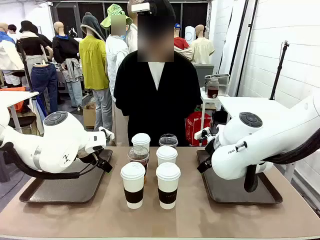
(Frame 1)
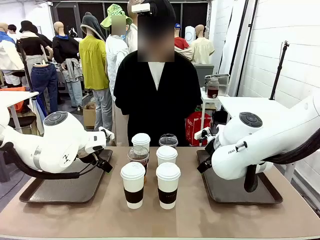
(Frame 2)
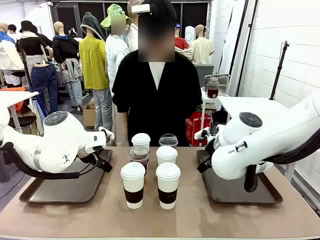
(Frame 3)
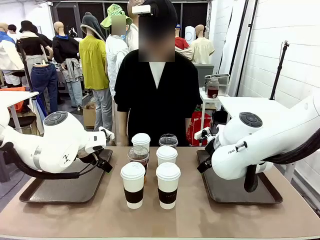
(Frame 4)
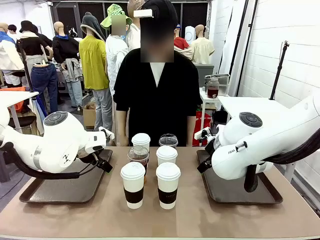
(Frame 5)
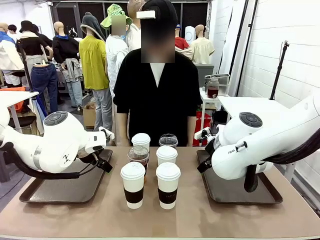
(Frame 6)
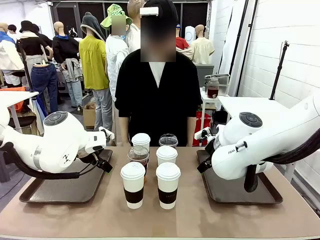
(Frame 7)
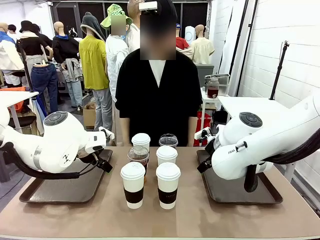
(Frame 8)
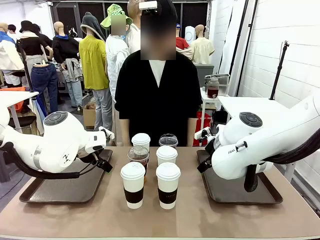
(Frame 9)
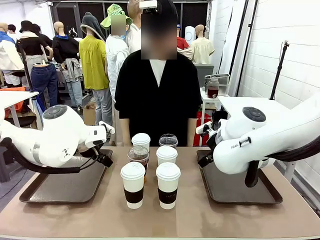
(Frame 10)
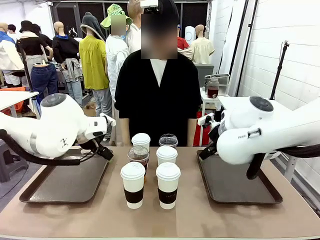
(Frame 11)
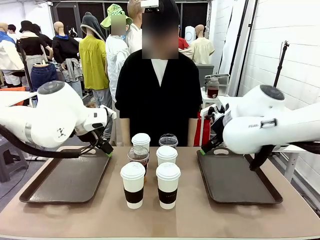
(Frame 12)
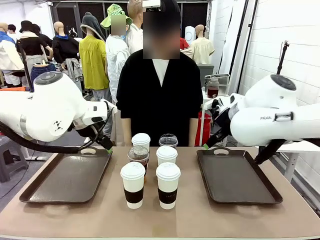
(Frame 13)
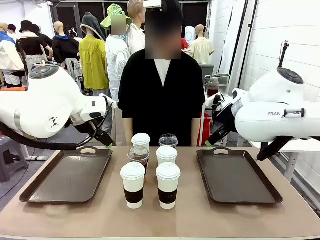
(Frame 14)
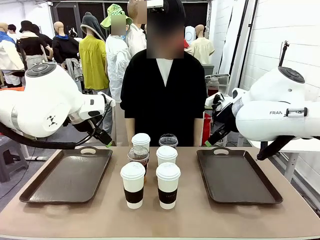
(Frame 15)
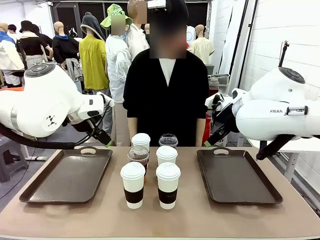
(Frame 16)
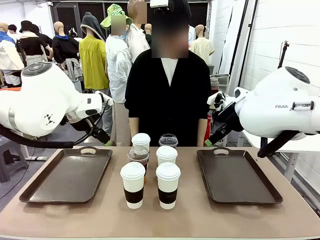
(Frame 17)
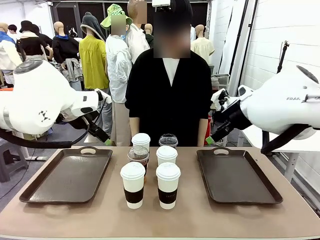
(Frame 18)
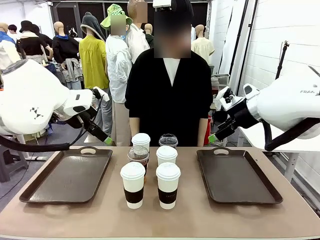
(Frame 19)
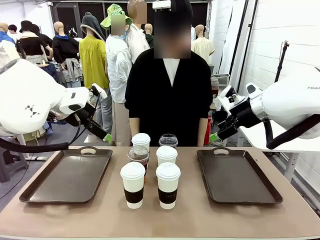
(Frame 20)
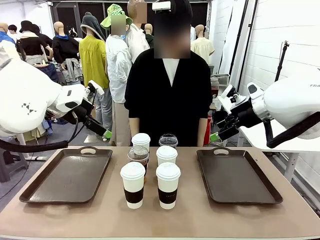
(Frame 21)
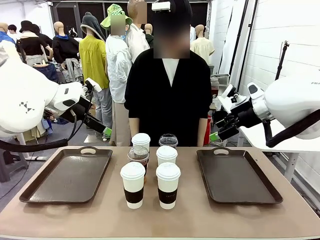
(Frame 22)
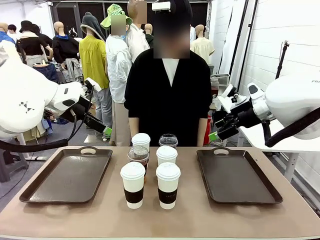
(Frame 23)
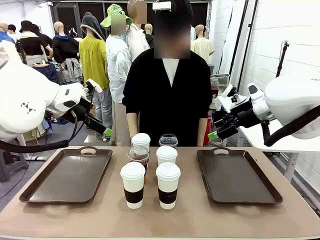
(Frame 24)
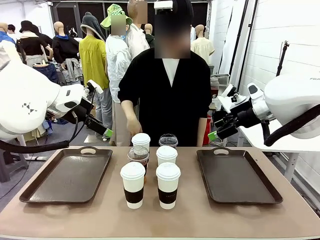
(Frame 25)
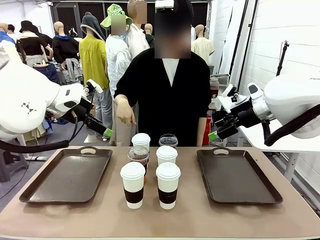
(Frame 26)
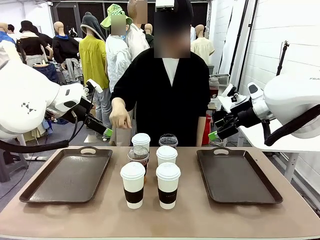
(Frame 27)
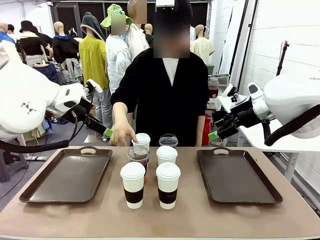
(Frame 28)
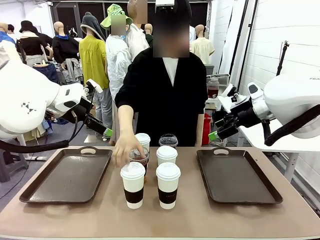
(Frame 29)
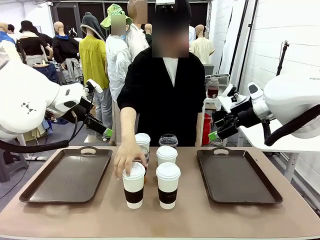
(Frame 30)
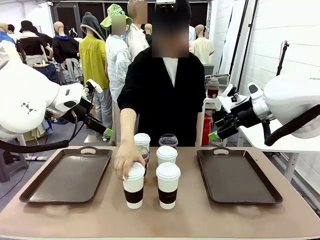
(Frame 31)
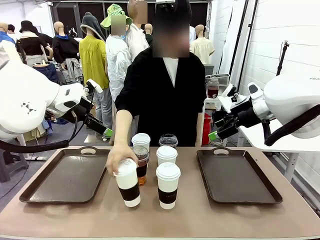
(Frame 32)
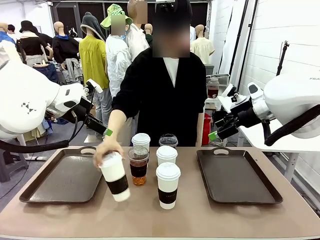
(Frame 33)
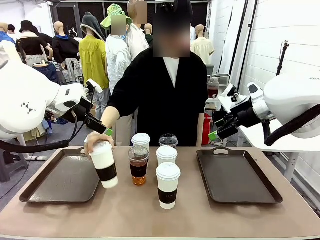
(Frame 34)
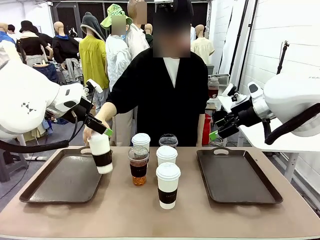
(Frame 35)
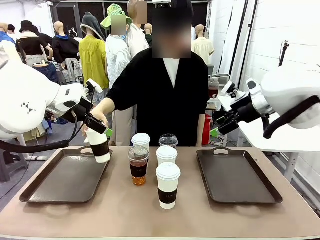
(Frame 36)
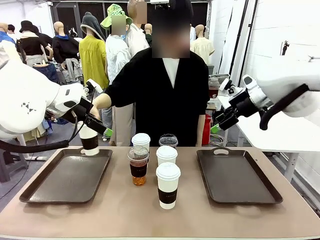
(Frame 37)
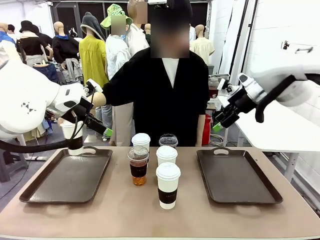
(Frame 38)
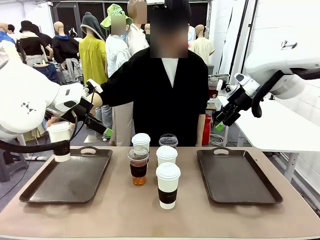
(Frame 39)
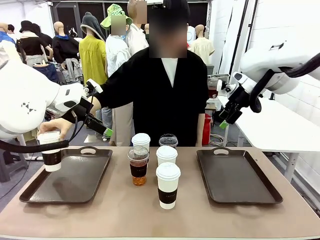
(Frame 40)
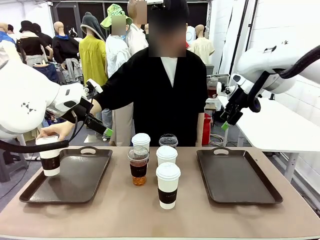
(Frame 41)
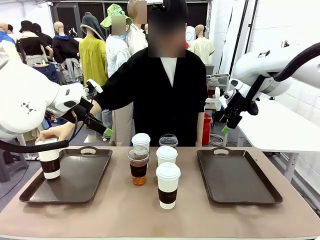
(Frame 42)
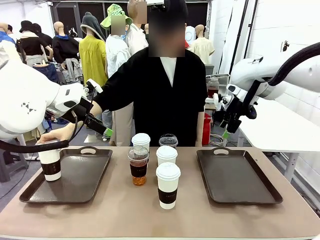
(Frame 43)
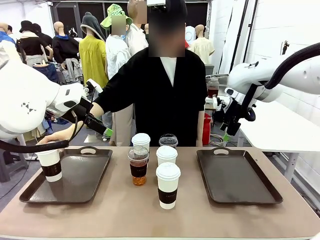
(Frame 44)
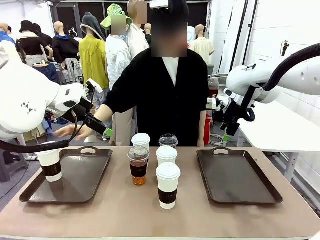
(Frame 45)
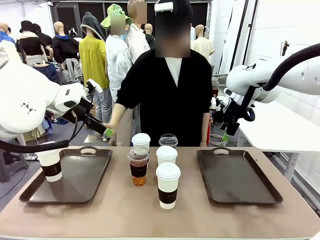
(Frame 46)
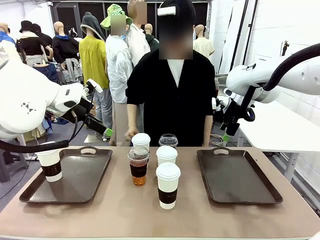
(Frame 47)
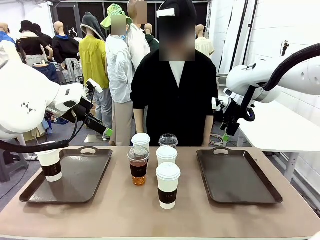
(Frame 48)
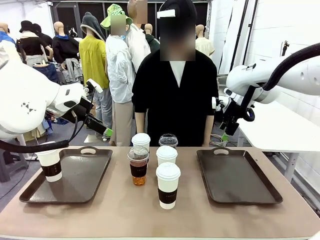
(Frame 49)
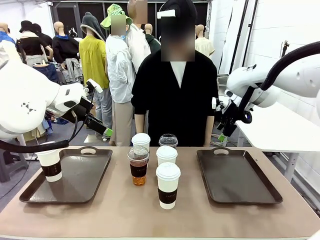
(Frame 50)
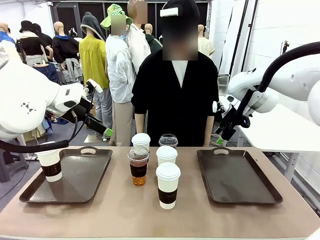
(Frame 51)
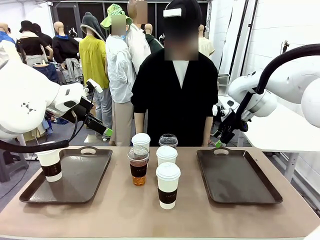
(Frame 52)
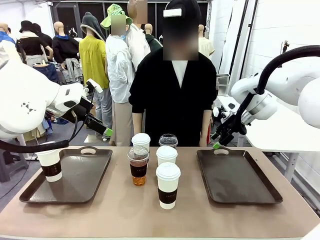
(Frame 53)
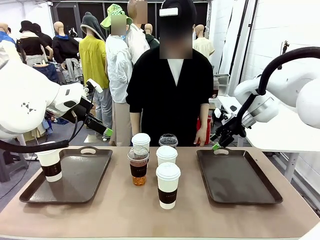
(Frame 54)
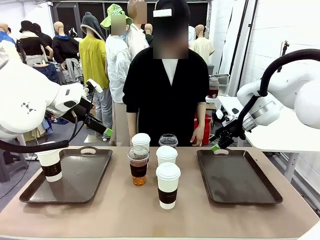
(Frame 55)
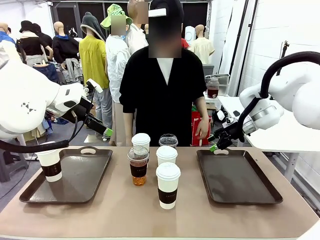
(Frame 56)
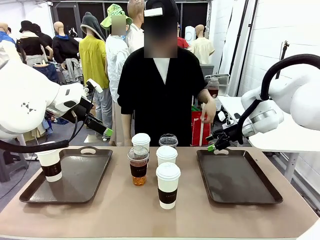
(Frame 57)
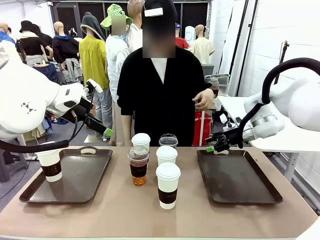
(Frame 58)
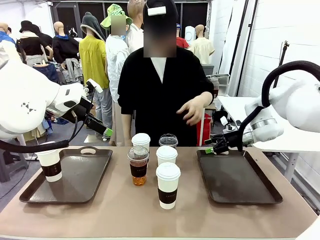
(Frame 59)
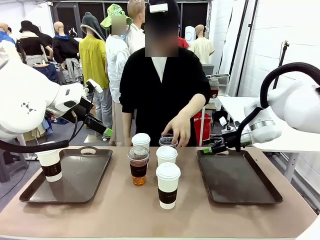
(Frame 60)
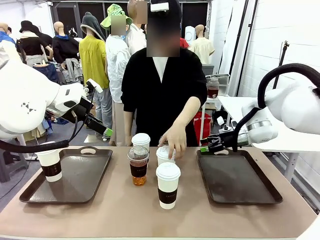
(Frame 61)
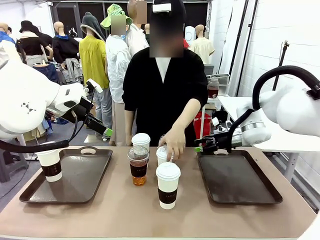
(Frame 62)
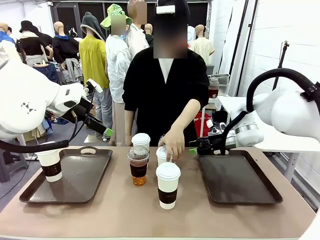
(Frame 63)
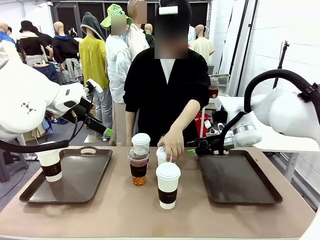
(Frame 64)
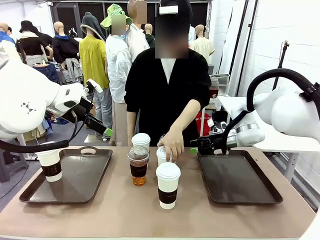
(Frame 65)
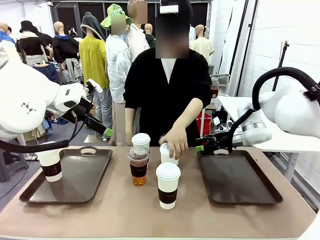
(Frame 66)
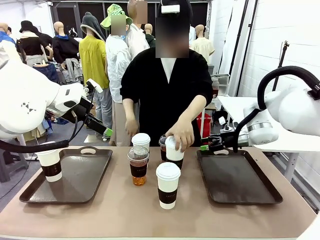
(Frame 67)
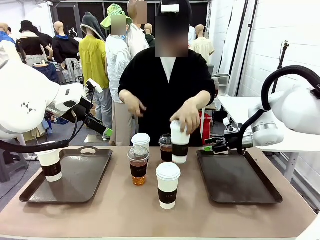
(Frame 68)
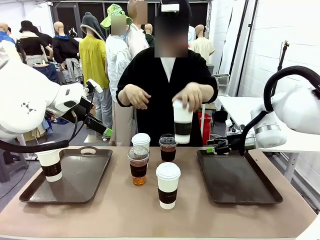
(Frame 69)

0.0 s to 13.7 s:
Task: Distribute the coffee onto the tray.
Robot: Pick up one iced Americano and place it on the right Handle tray.
Person: Pick up a cup of hot Americano and place it on the right tray.
